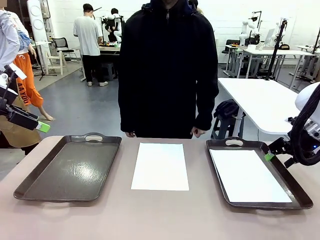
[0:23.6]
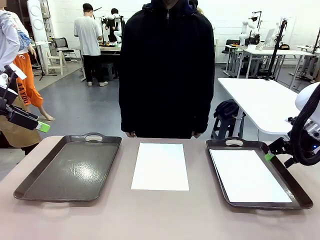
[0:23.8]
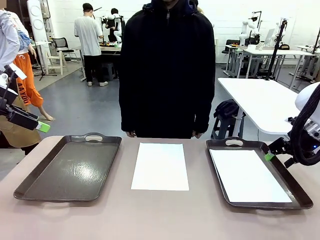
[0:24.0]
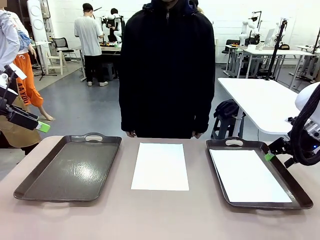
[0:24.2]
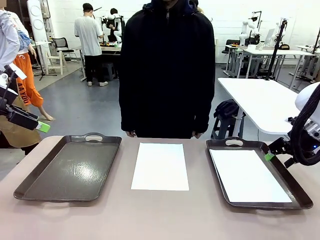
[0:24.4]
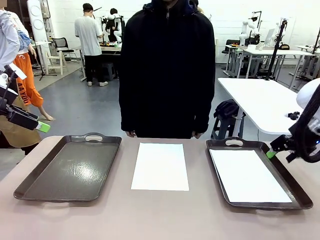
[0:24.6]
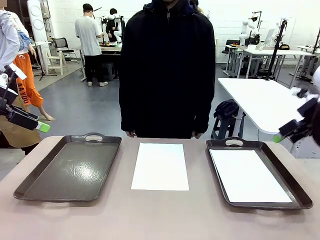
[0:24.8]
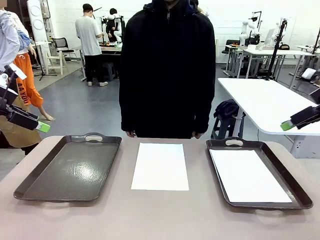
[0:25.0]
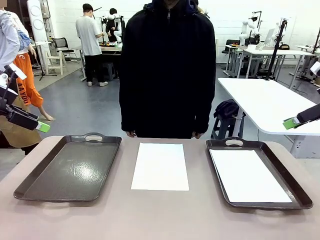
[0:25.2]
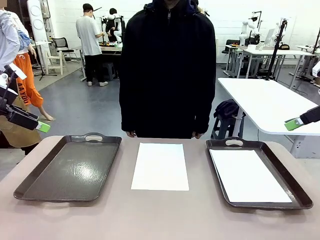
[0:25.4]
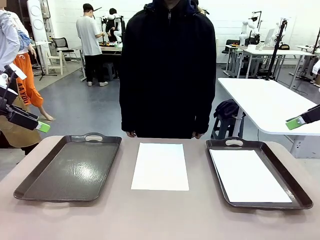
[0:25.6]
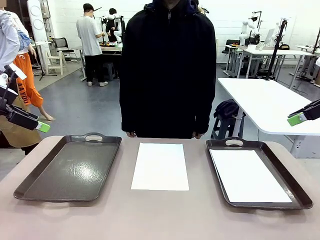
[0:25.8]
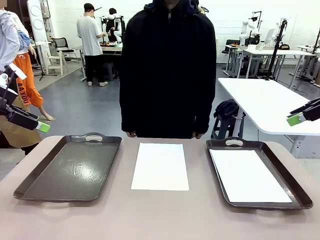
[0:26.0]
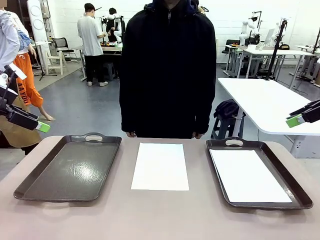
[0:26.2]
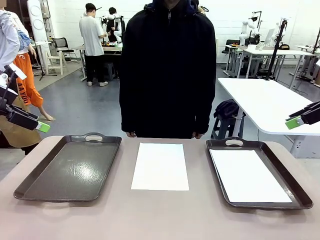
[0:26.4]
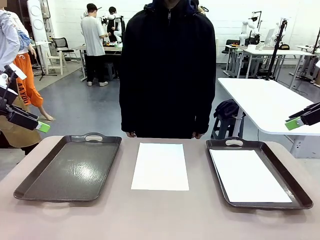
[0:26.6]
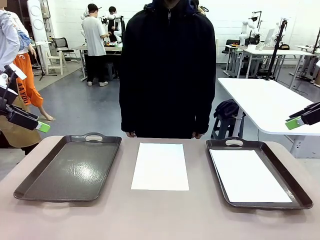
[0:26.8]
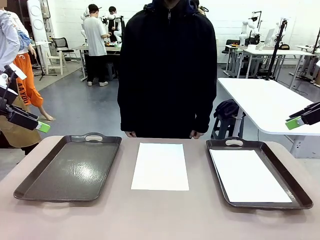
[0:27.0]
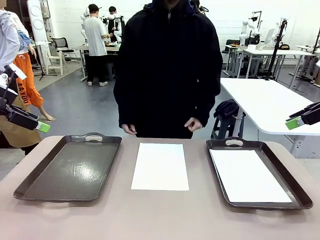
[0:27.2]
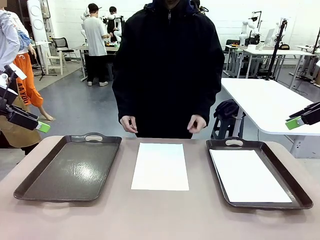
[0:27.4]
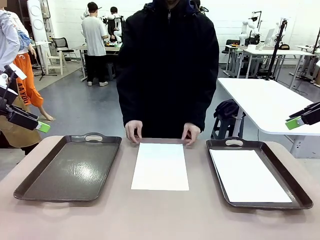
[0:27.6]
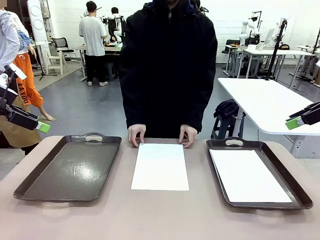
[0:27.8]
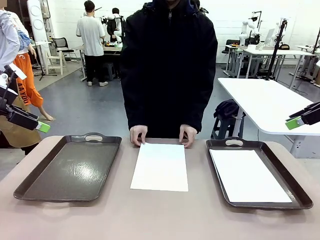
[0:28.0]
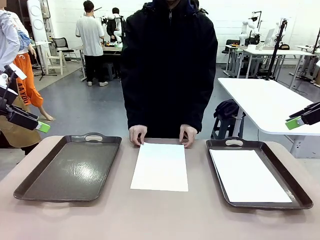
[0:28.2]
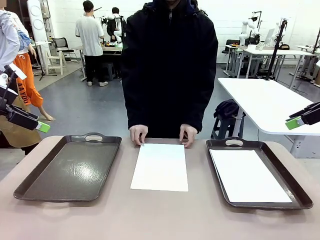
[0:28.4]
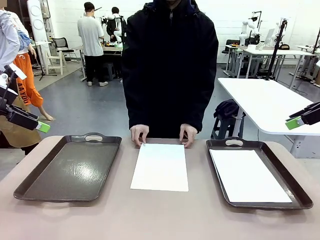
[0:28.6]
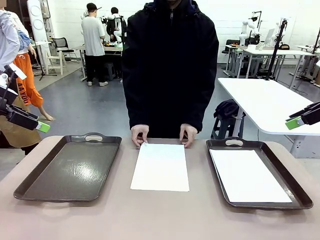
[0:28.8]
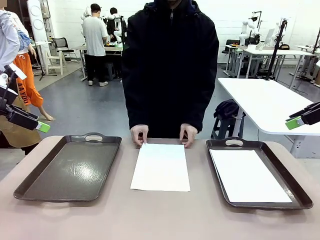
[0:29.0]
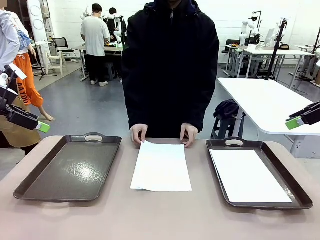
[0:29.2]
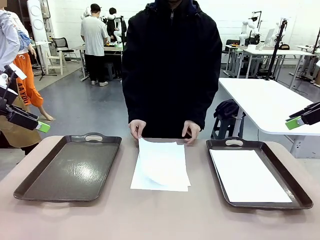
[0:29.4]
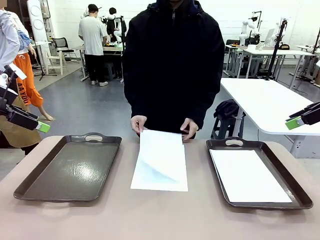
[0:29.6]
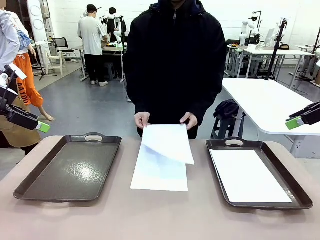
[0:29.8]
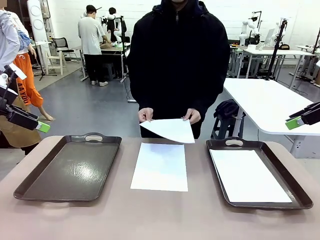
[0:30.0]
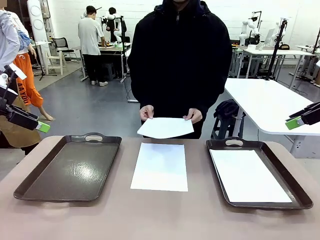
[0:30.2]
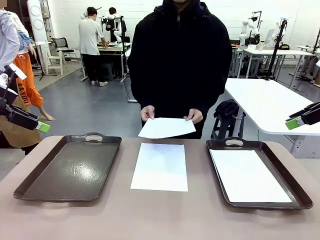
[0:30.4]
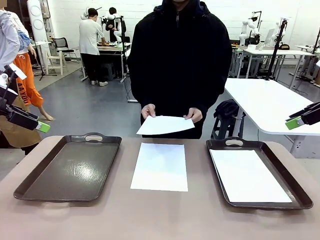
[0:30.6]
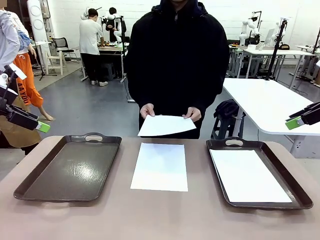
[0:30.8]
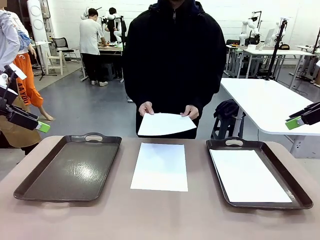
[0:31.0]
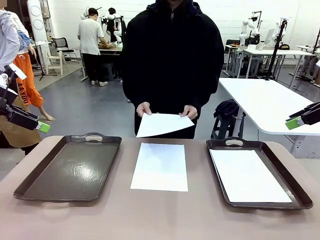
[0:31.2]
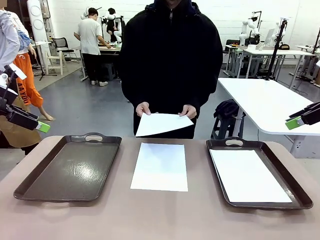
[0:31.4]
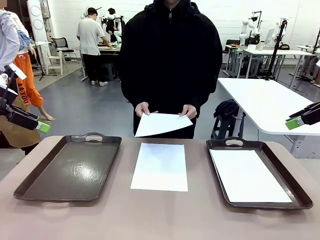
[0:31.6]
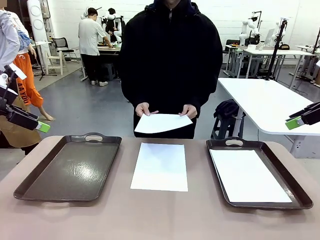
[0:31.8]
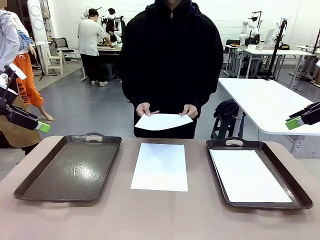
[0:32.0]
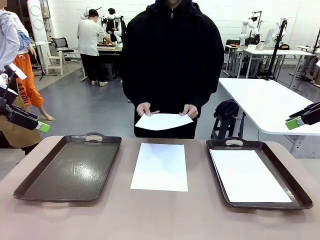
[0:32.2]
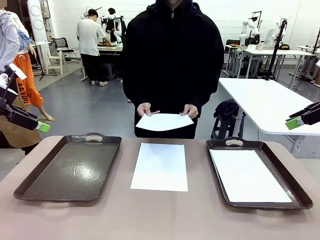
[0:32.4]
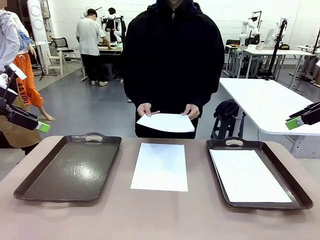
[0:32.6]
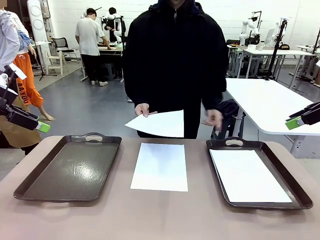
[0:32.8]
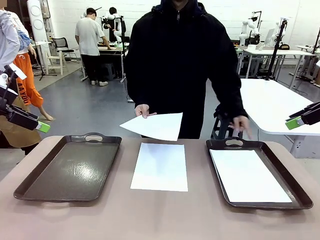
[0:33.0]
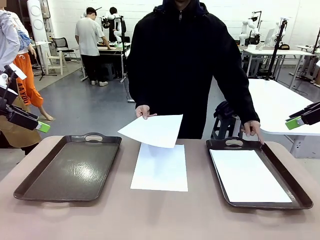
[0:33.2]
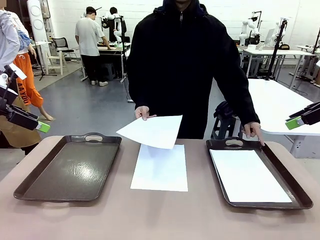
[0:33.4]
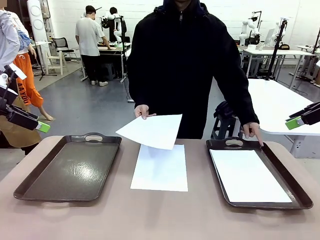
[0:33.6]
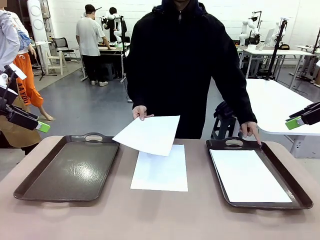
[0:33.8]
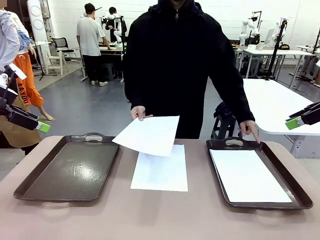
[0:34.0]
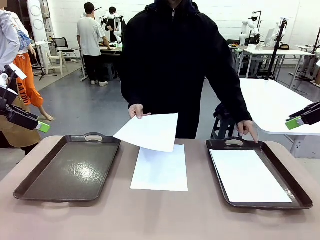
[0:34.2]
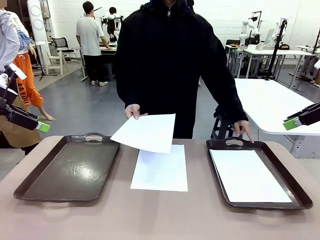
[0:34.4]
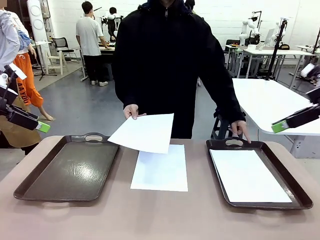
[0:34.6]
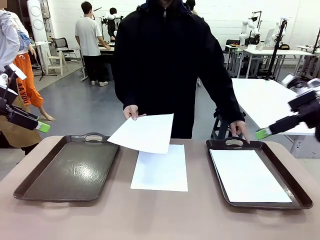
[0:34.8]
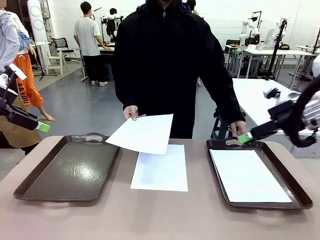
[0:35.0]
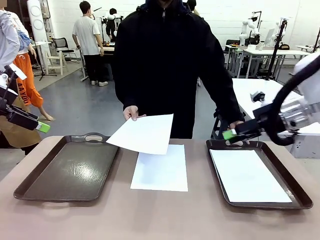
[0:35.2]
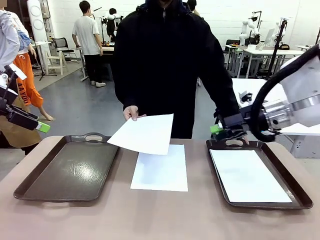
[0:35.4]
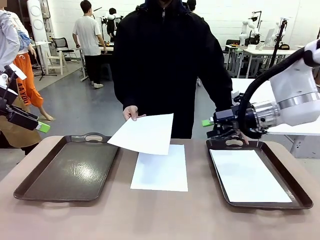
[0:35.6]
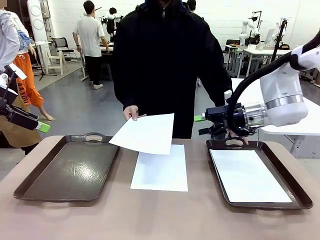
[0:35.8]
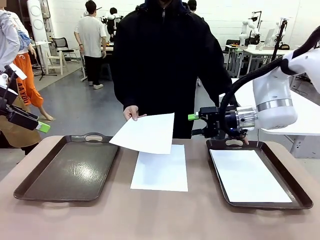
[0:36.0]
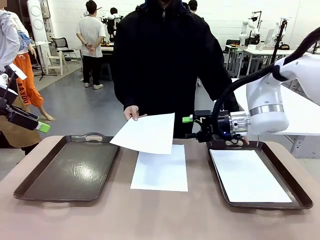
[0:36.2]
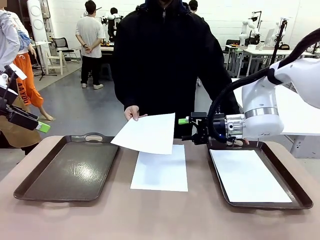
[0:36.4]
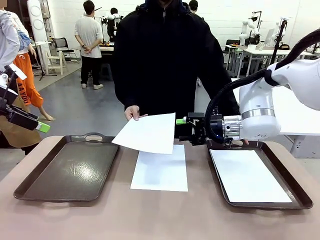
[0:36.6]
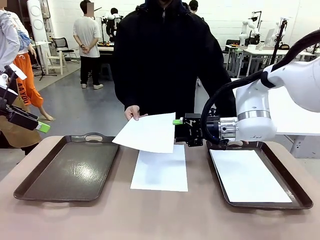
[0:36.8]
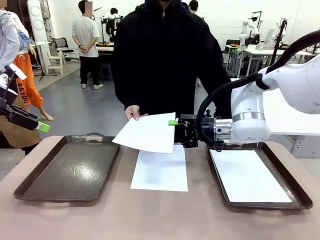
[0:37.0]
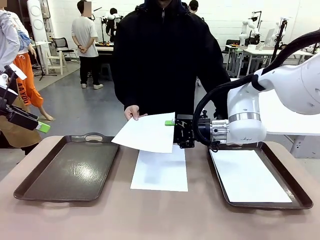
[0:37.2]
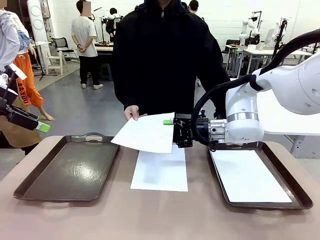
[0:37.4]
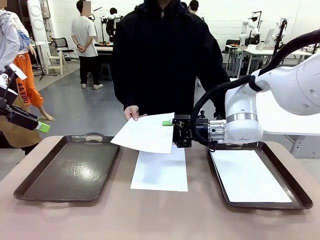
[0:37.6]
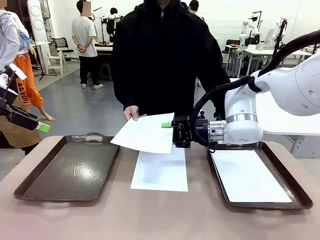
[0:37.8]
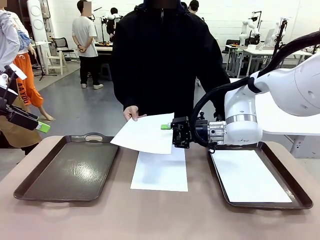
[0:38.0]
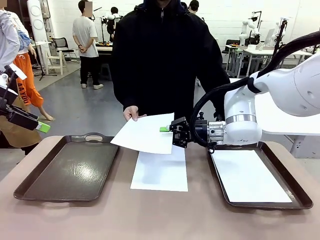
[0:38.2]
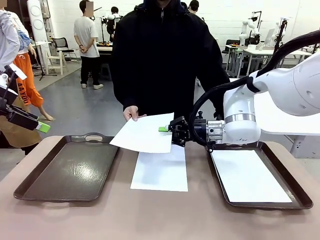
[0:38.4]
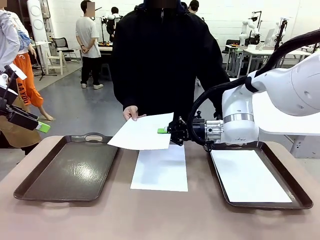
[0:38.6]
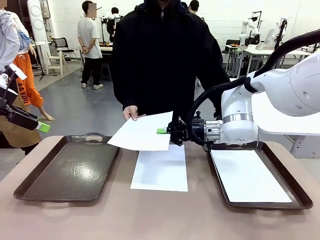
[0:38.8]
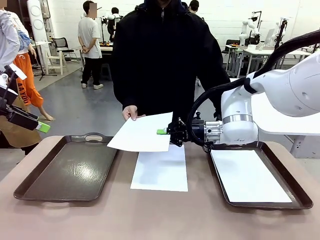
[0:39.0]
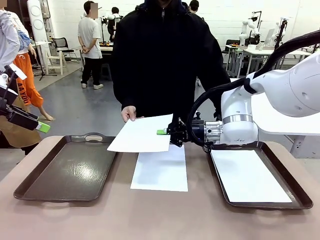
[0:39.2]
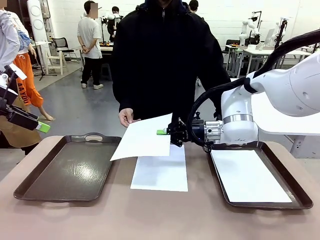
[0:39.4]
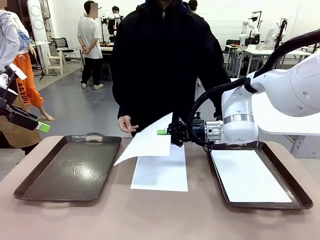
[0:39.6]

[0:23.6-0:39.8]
Task: Sort the A4 documents.
Robot: Receive the A4 Paper.
Person: Point the randomly selected tray with the other hand.

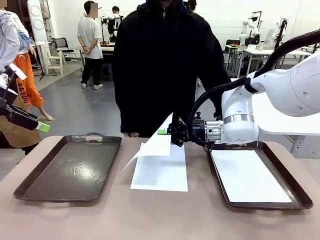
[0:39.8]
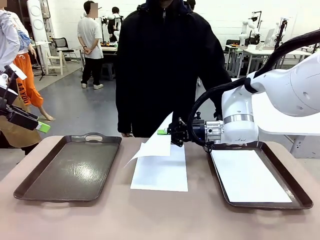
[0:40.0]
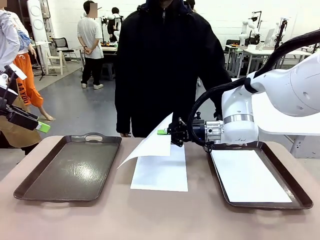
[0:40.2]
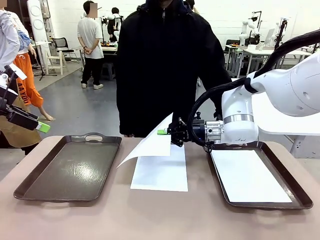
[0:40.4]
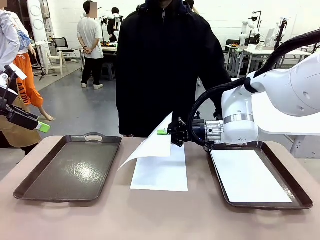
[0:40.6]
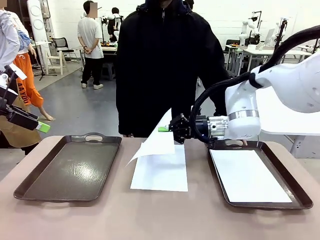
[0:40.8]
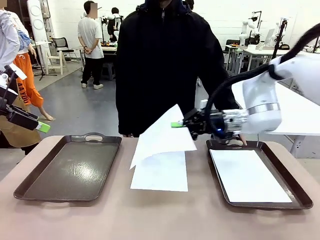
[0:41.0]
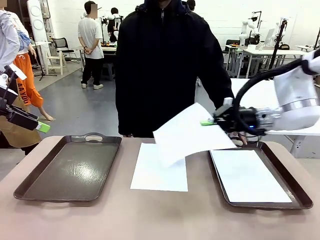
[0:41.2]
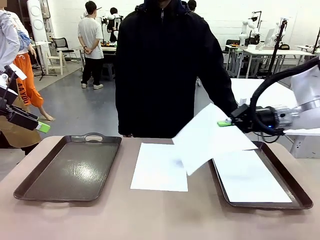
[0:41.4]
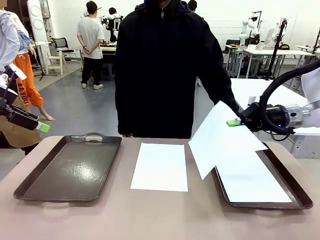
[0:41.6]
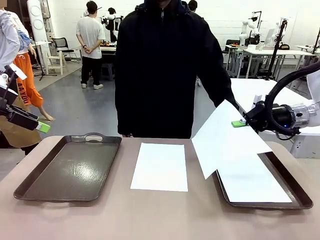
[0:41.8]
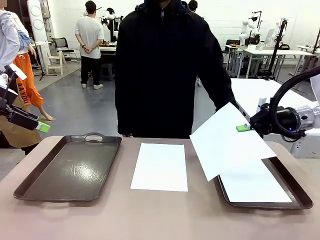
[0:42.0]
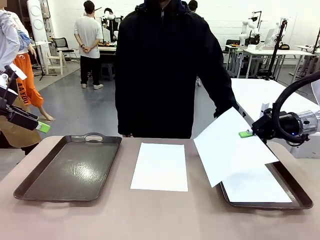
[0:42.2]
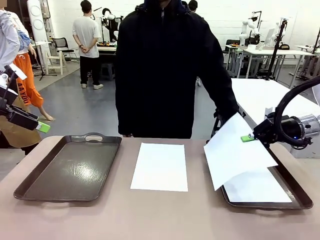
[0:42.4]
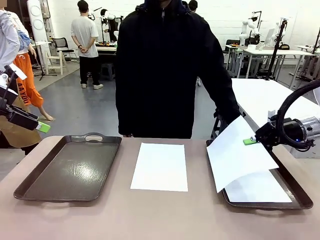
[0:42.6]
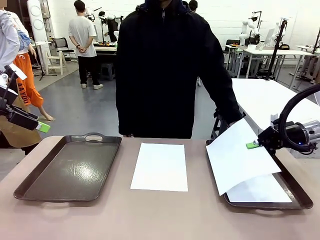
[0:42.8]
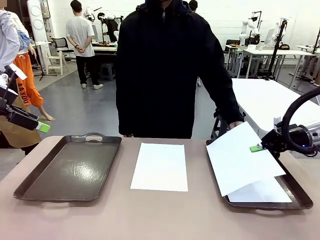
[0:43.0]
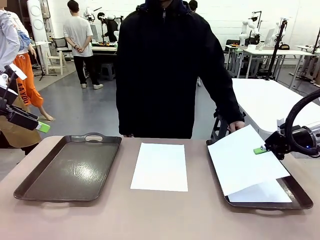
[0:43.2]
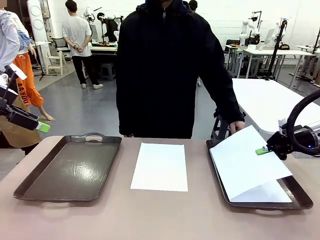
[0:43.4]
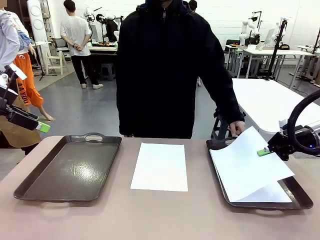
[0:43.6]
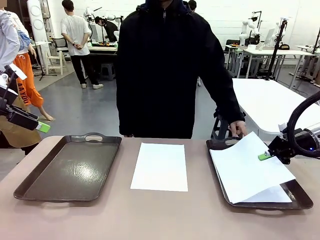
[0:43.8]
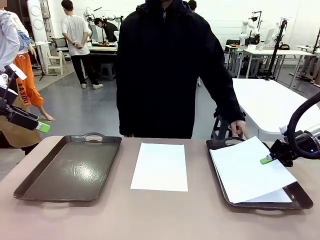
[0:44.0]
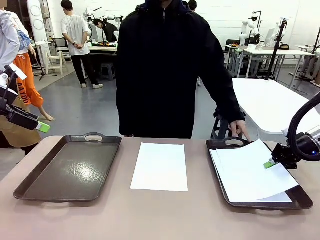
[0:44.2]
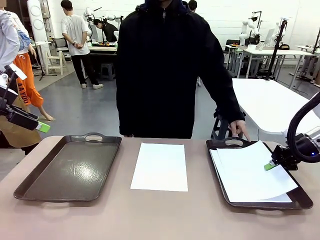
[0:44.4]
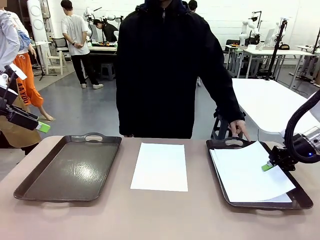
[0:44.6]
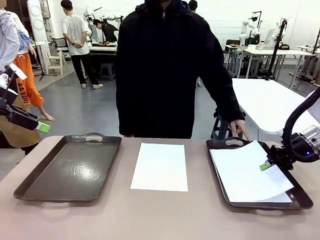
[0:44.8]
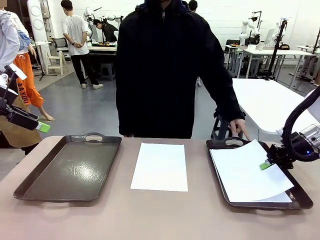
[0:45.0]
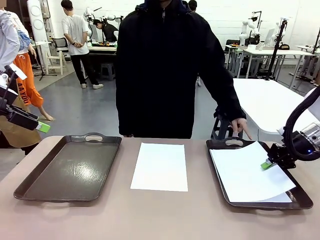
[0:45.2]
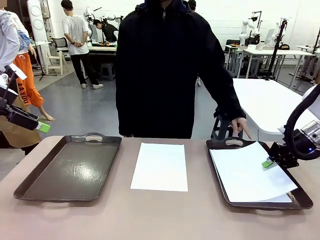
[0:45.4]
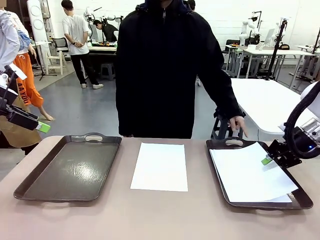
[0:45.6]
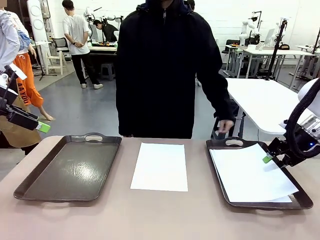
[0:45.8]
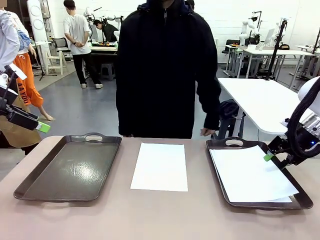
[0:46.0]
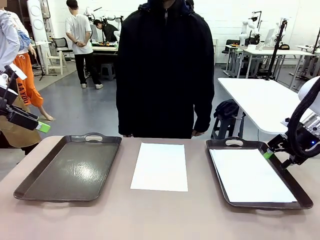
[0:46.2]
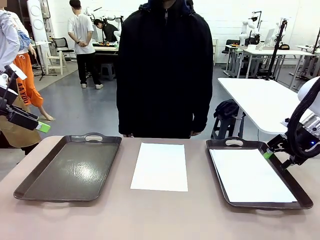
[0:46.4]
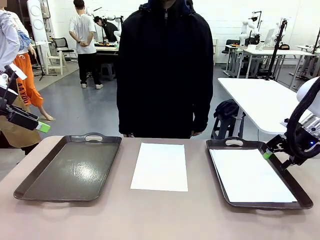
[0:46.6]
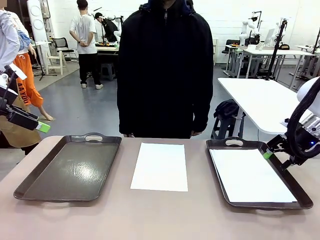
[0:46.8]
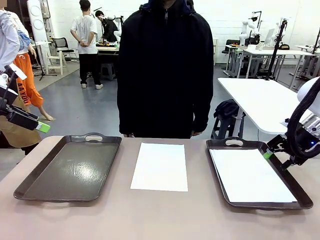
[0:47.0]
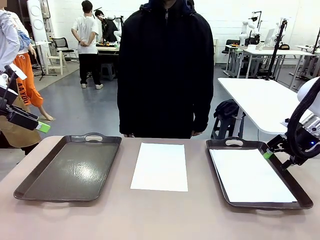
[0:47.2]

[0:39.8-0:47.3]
Robot: Place the A4 Paper in the designated Handle tray.
